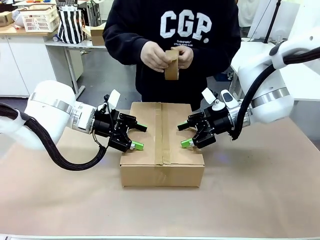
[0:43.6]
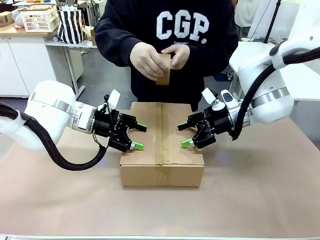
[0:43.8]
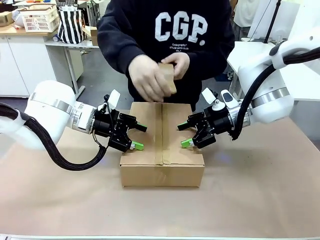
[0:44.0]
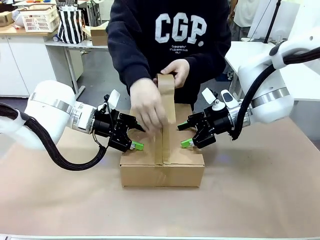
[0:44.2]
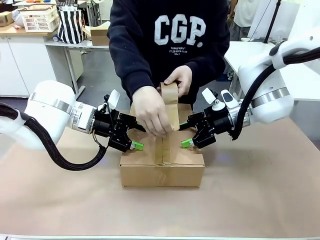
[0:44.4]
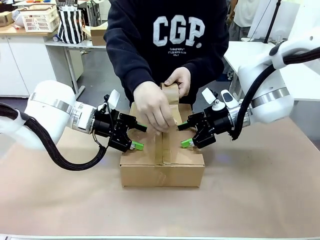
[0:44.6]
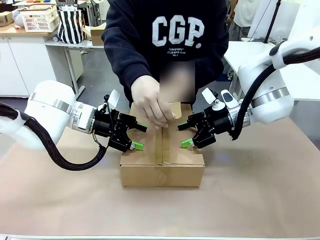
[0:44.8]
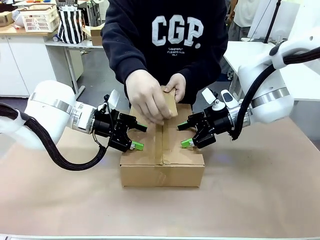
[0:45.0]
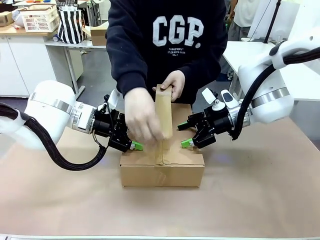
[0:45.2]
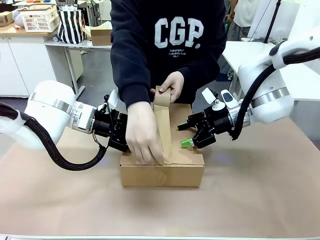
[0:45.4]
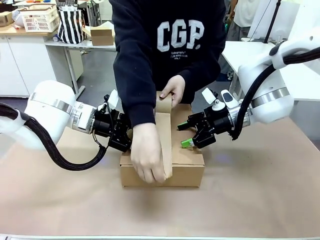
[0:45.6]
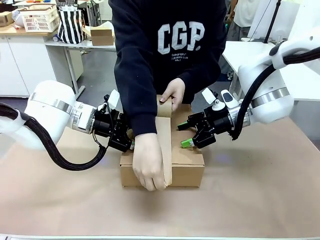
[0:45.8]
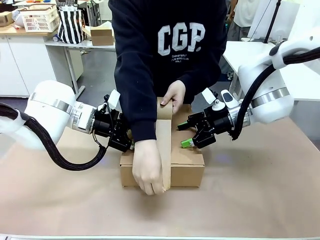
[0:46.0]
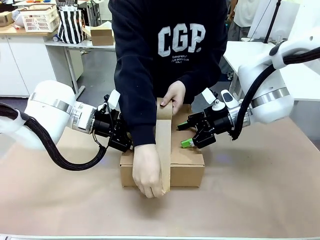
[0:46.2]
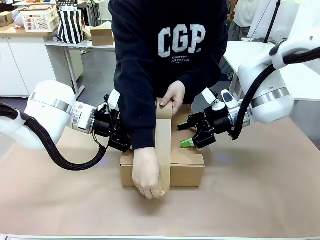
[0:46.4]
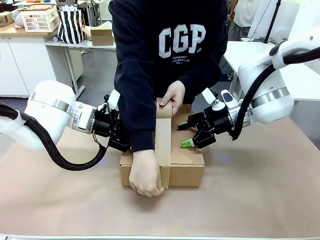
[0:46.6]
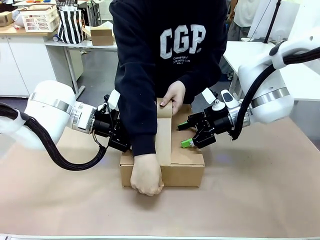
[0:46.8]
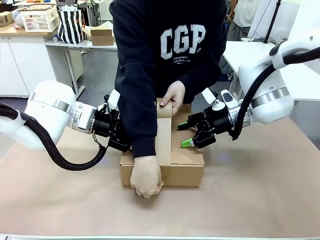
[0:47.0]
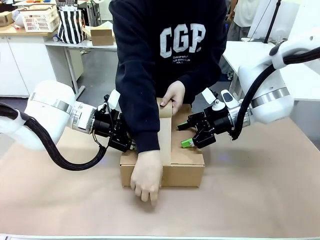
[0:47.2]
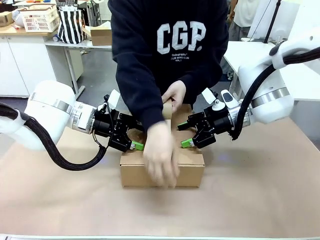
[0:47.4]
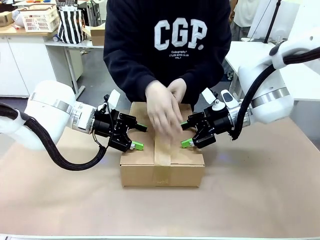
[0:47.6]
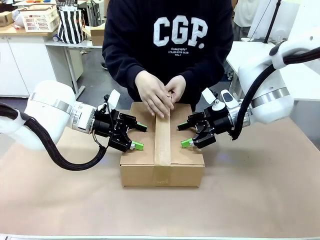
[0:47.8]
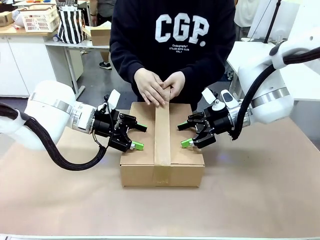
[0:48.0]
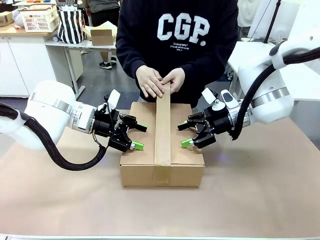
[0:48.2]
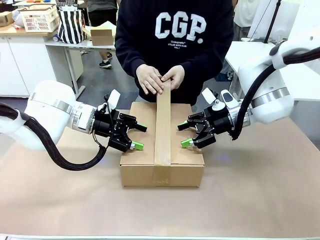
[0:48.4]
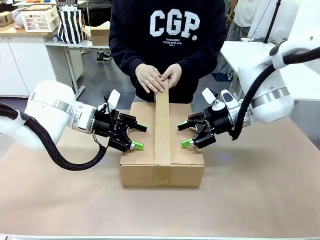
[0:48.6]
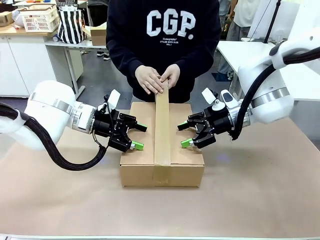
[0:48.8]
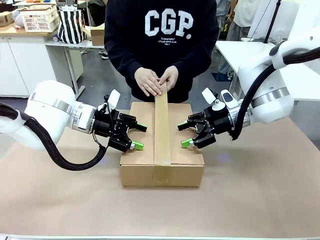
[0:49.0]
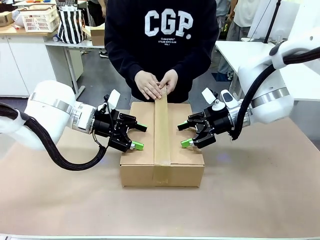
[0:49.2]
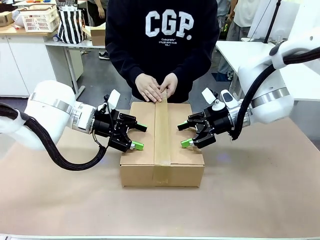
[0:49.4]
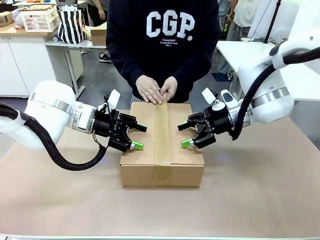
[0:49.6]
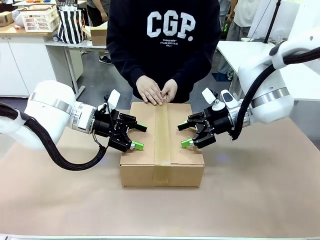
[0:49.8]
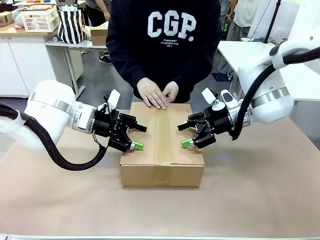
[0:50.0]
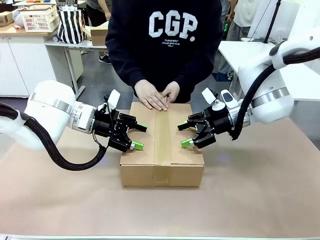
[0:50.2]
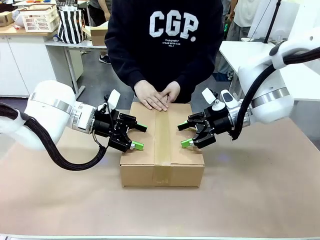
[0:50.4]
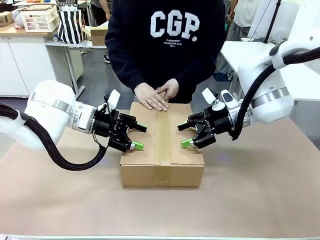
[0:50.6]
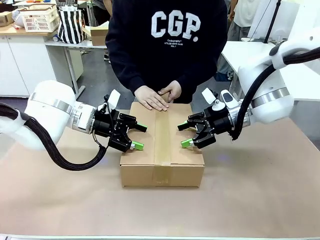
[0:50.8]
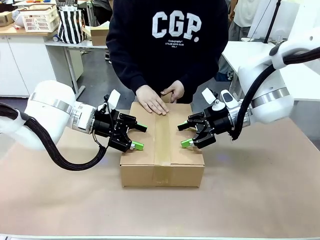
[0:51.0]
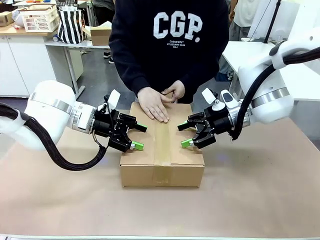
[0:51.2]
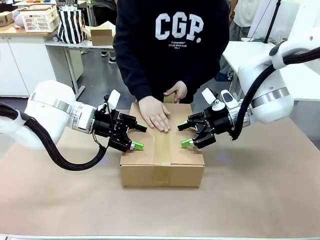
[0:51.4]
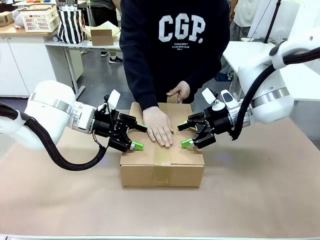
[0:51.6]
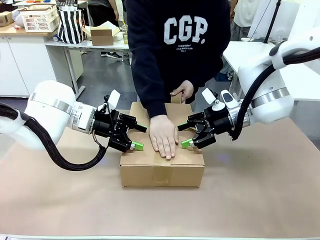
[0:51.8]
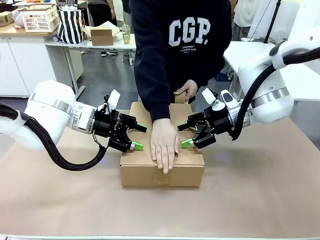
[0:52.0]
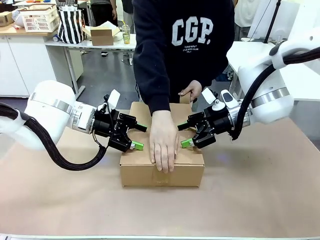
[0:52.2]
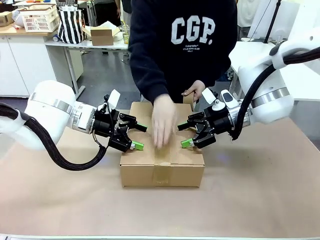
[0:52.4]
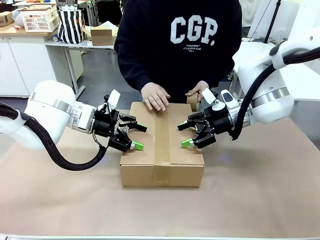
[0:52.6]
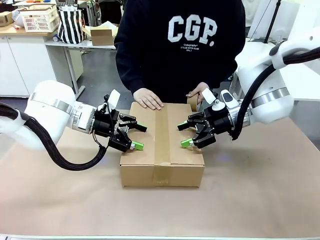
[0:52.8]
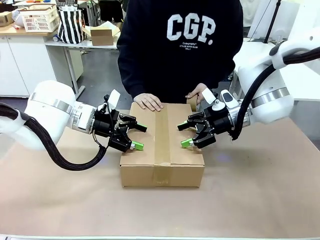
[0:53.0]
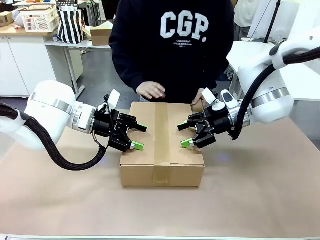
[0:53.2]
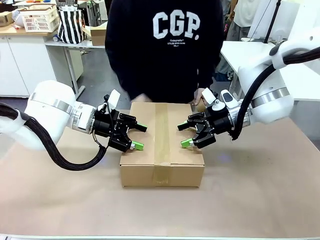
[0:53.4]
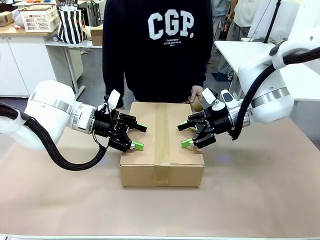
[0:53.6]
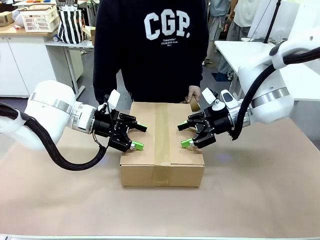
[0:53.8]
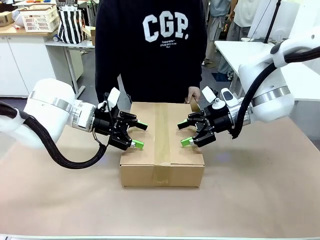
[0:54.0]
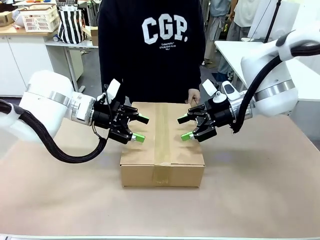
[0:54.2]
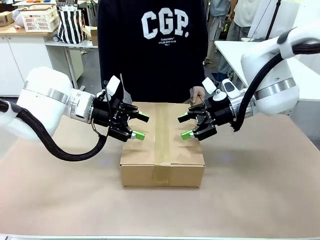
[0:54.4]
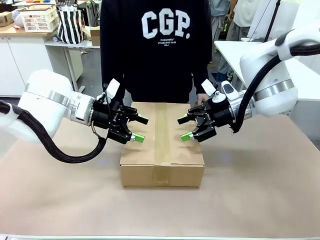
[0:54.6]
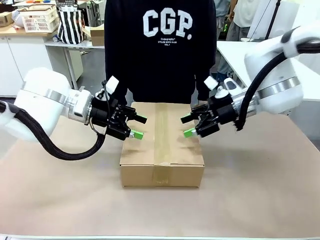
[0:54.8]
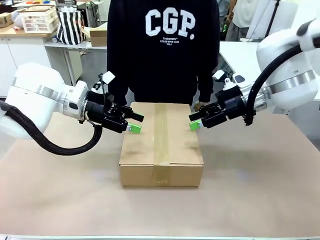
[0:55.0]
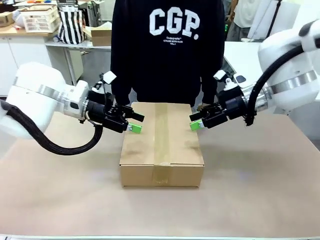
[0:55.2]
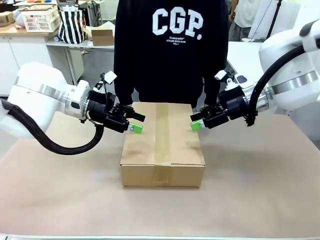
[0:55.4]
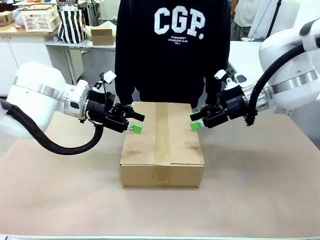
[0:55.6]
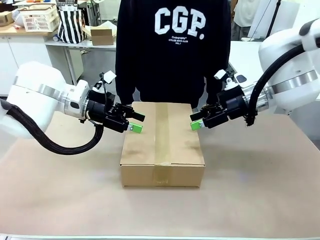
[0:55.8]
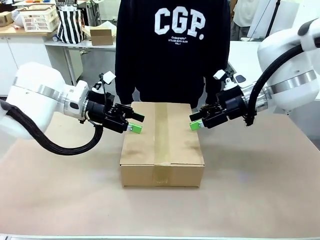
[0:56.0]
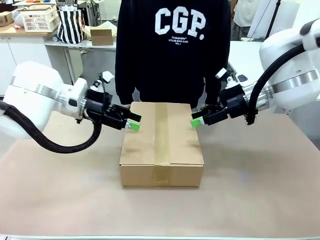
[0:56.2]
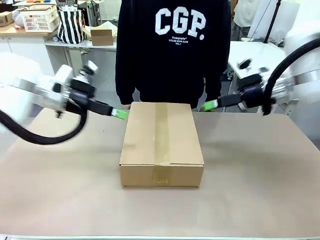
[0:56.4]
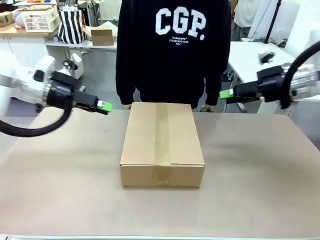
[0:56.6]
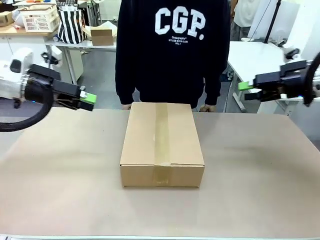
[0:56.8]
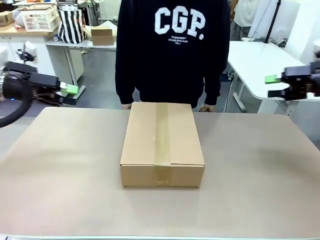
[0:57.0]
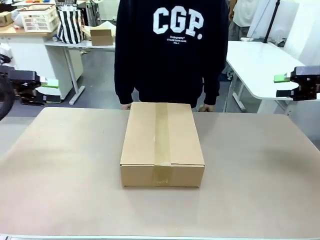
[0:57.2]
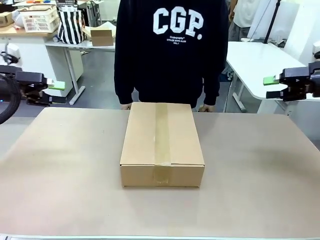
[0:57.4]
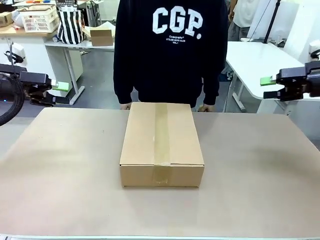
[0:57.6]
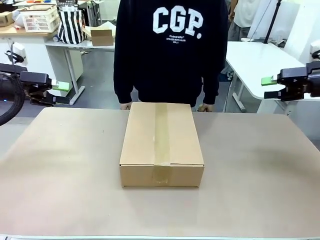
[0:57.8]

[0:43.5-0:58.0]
Task: Pack the gift set into the box.
Robot: Press and hold the closed box until the human finishes sealing it.
Person: The human picks up the paper tape from the human table and packs the box.
